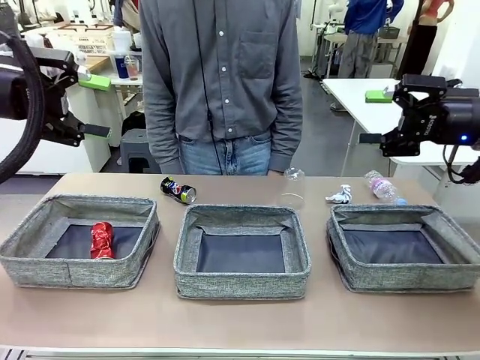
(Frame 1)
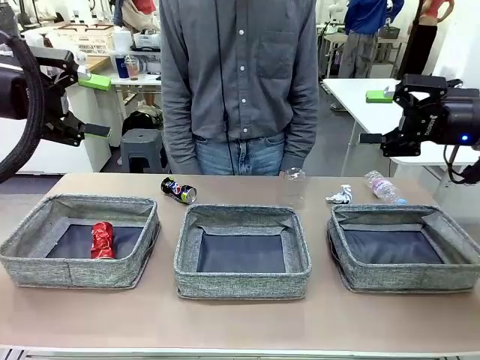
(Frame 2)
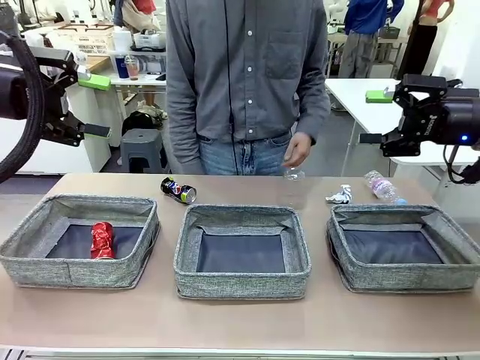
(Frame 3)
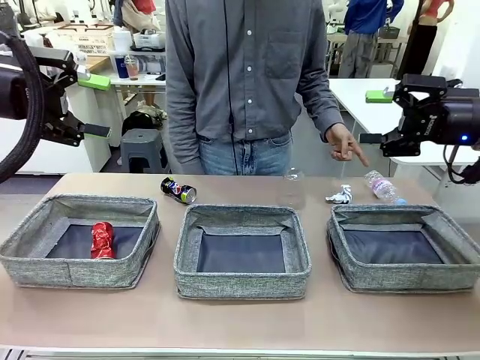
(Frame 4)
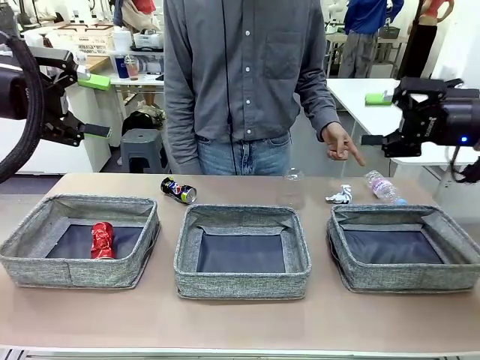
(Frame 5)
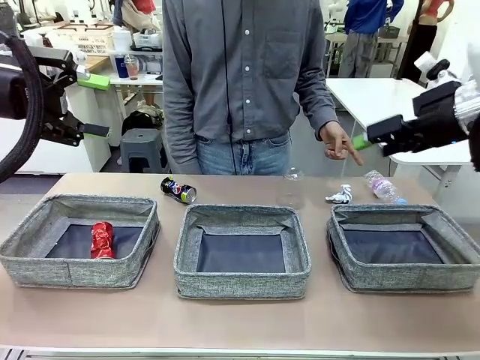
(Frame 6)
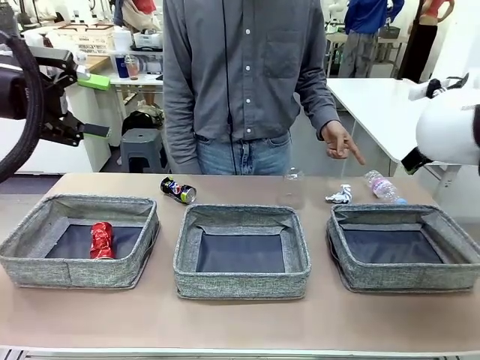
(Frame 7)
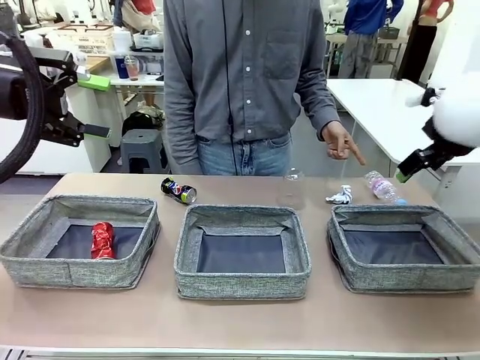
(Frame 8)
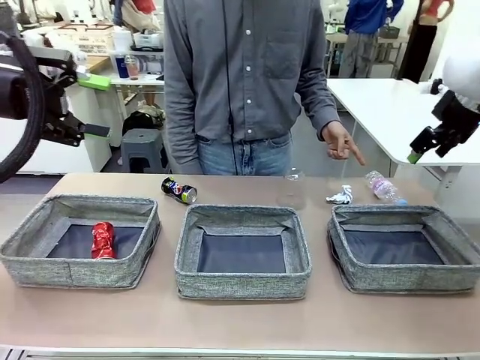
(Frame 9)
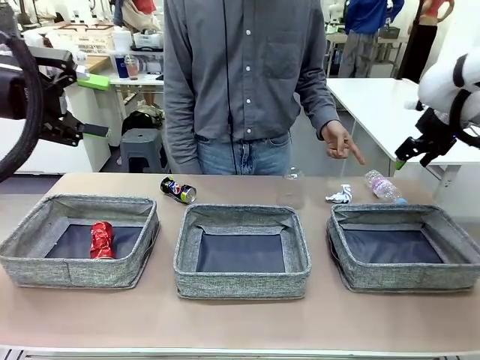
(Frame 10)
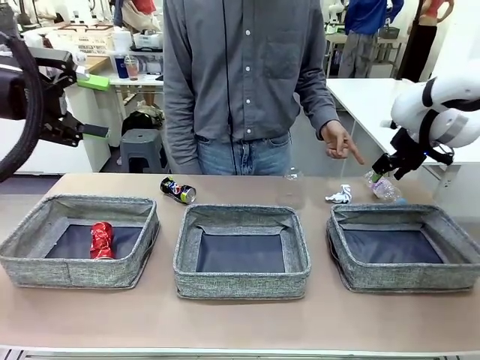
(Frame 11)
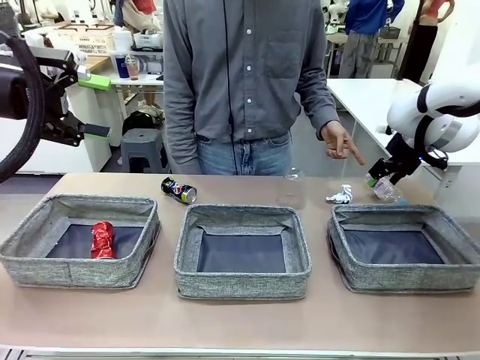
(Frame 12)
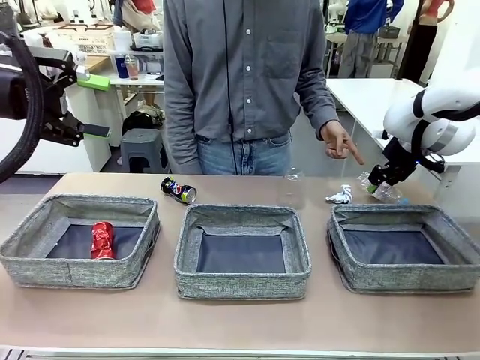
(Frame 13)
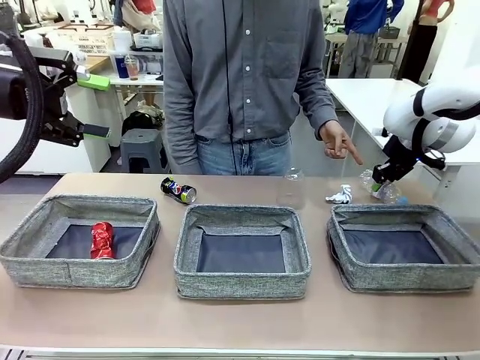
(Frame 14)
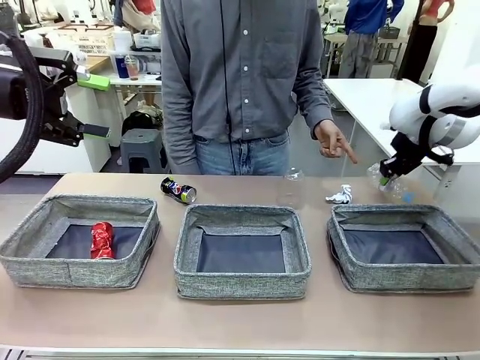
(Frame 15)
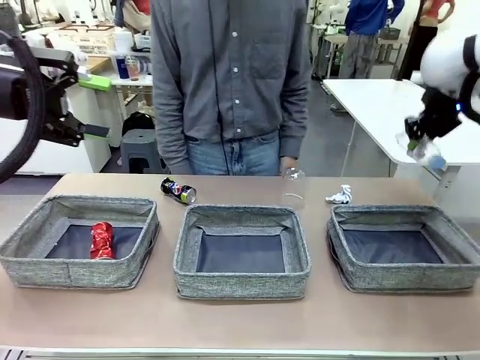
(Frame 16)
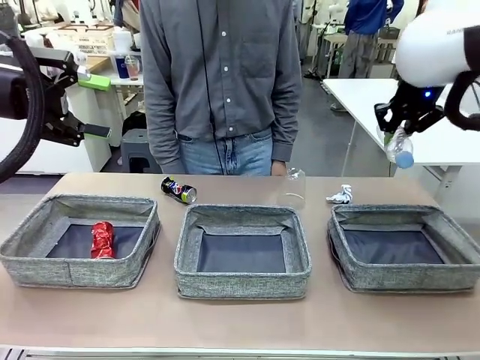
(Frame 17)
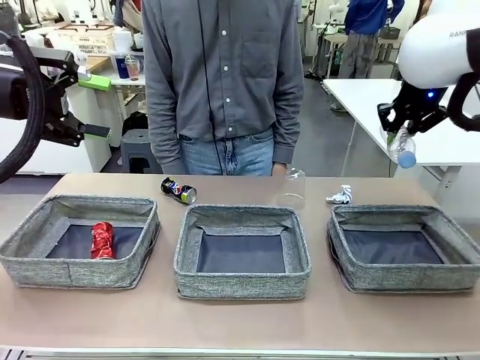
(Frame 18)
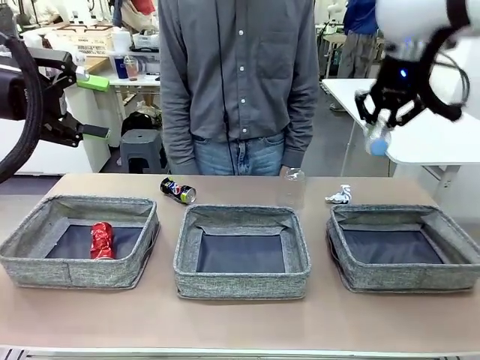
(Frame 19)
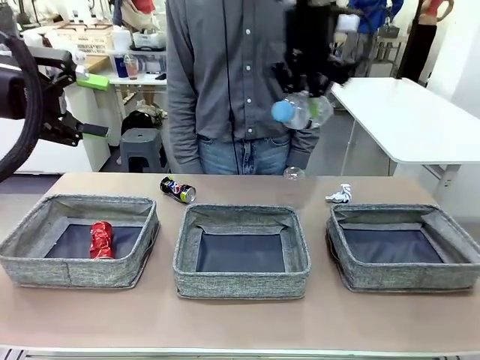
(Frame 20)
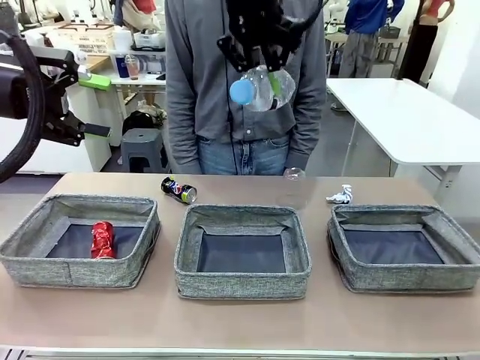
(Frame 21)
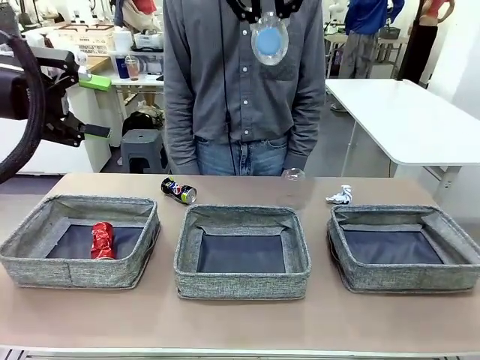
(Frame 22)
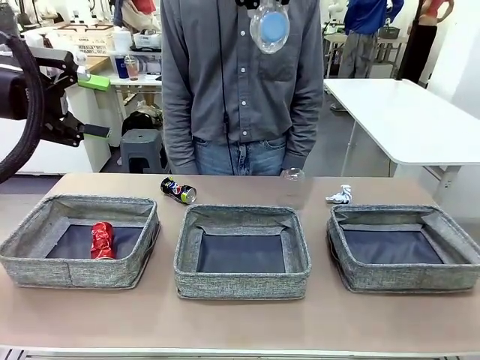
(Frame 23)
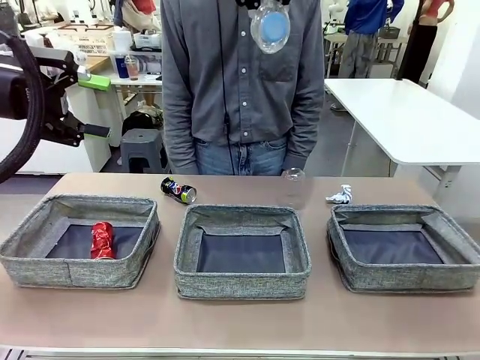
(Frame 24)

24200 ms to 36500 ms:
Task: Sort the waste into the appropriate baskets.
Robot: Pick up the waste item pointed out by the person.
Person: Points to one piece of trash on the table.

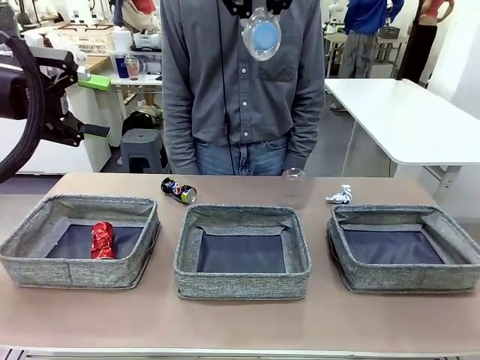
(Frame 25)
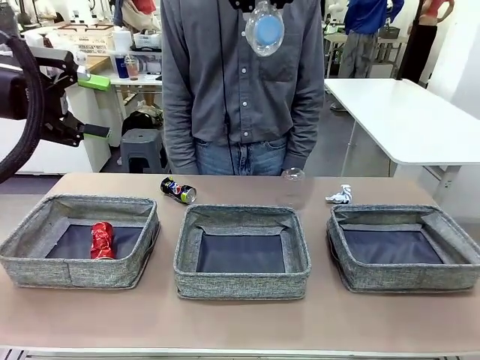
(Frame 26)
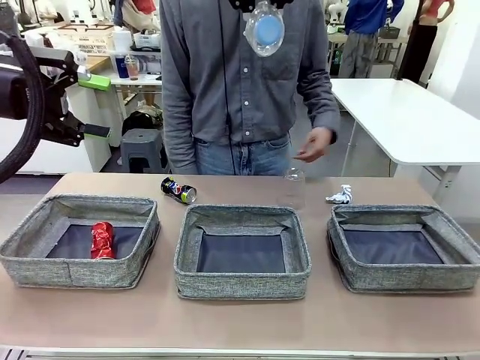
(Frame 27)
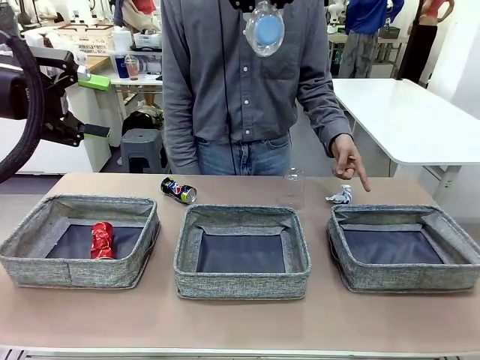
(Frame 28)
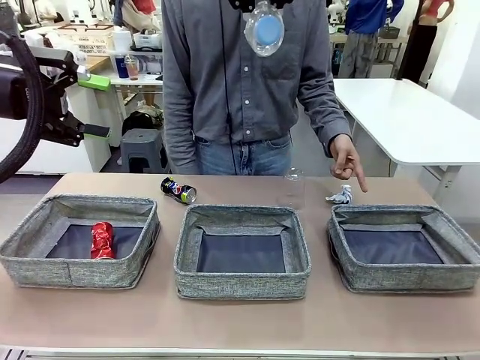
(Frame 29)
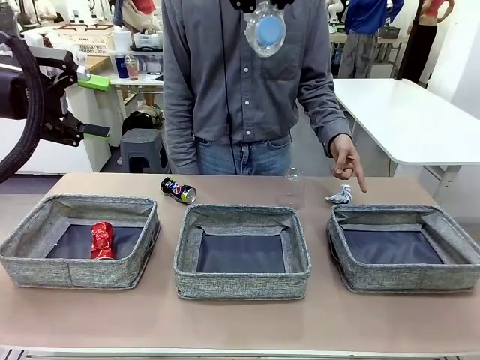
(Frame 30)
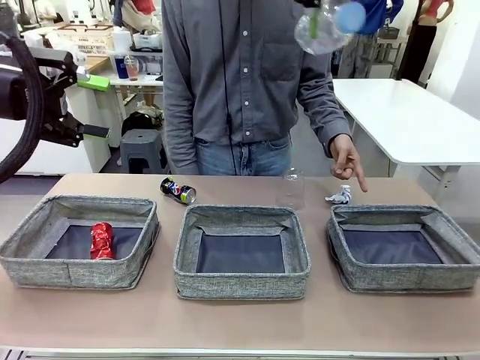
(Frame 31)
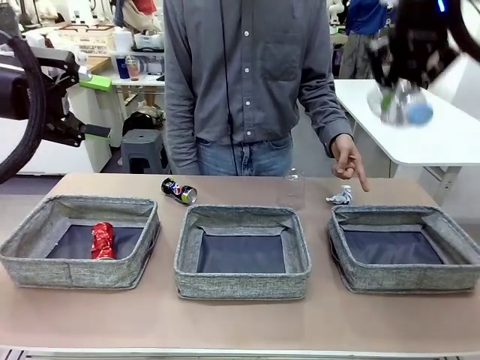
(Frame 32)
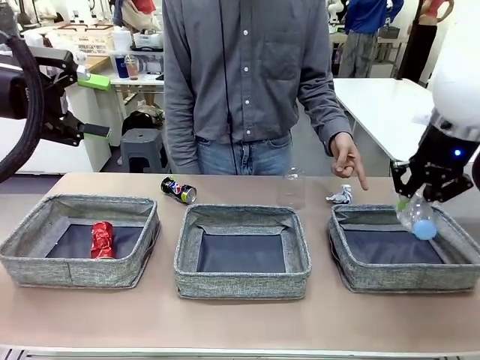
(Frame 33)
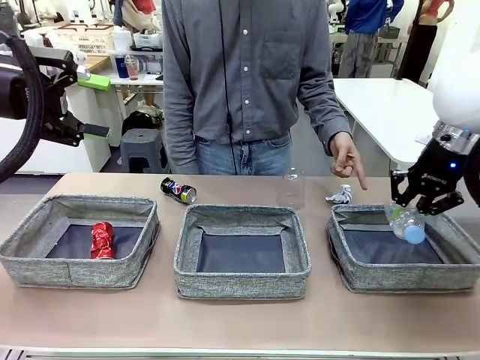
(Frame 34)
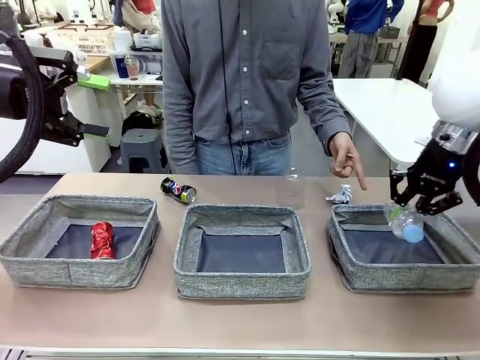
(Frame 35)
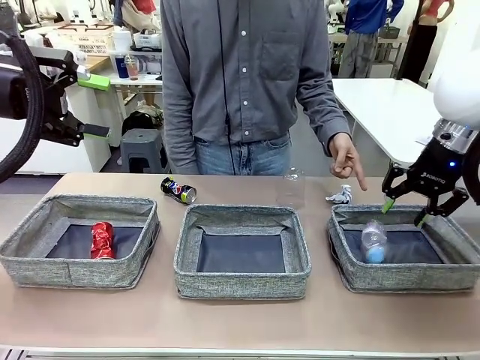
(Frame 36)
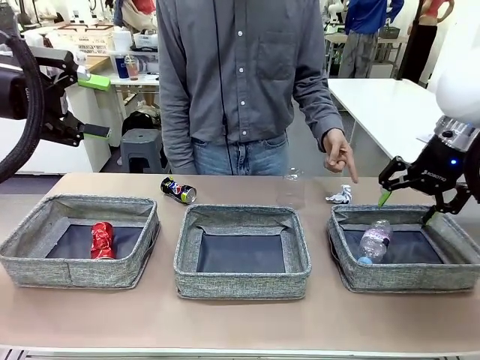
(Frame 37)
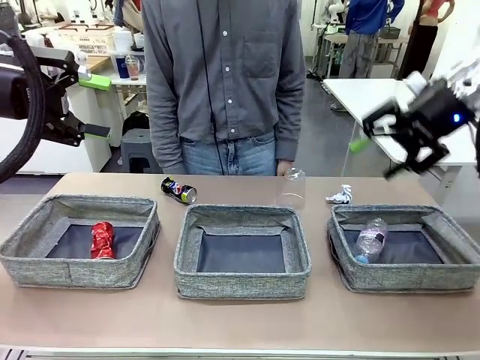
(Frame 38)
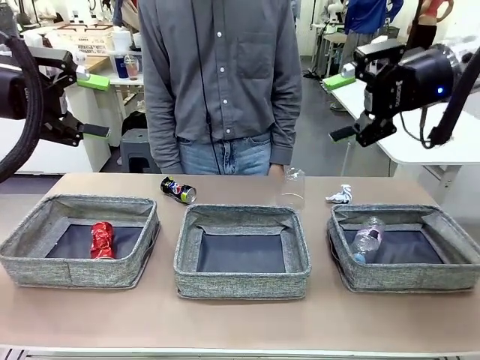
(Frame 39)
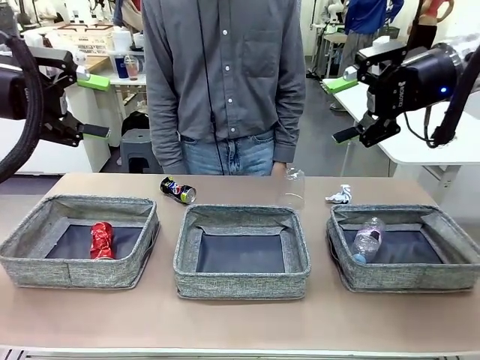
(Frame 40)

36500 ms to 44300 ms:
Robot: Place the picked waste into the Fabric basket indicated by the person.
Person: Instructs the robot to place the picked-up trash into the appropriate organizing basket.

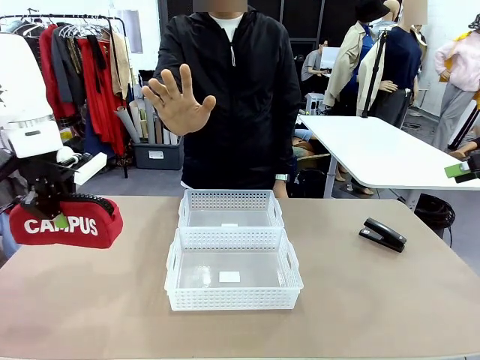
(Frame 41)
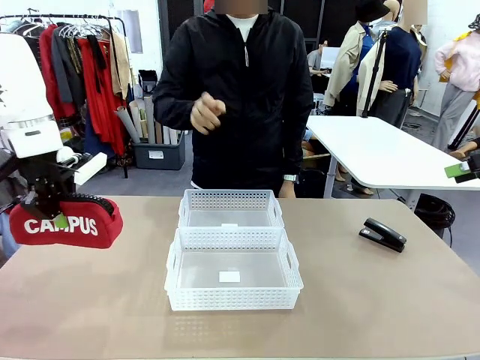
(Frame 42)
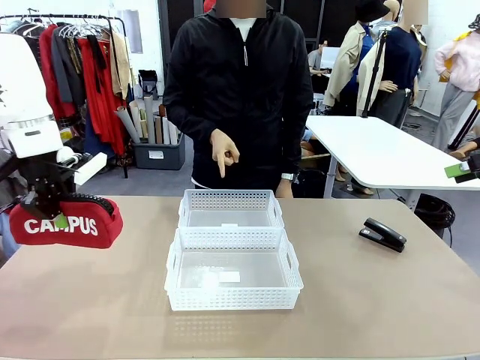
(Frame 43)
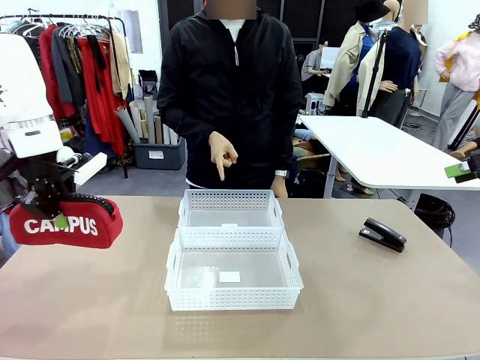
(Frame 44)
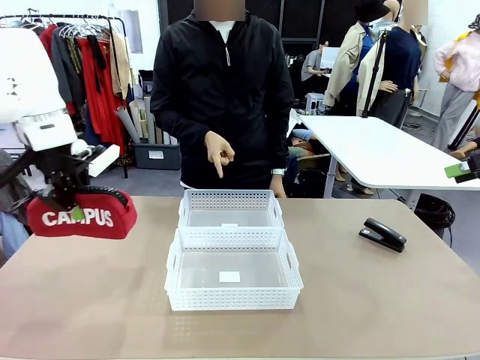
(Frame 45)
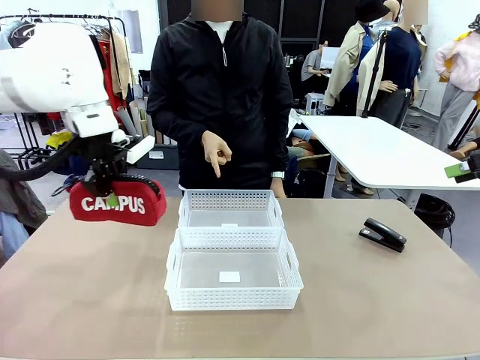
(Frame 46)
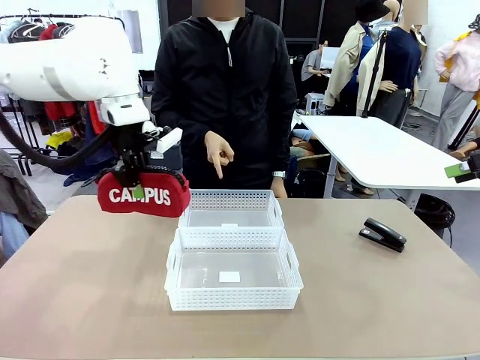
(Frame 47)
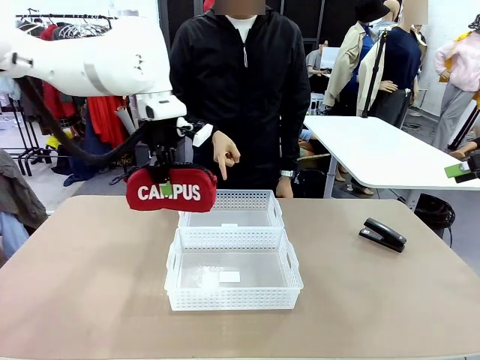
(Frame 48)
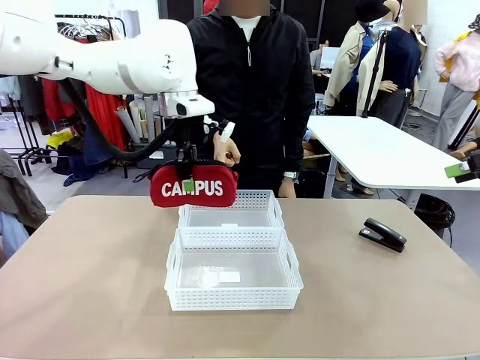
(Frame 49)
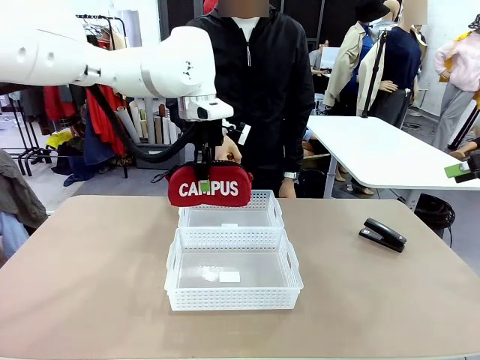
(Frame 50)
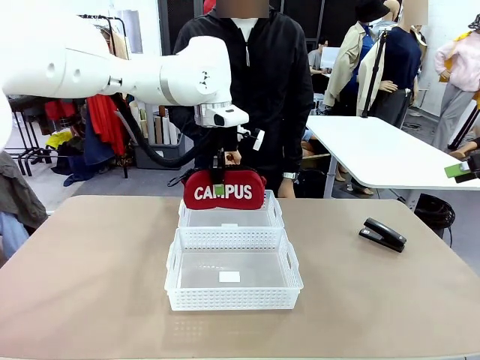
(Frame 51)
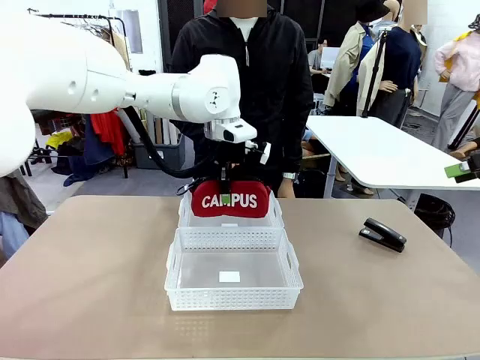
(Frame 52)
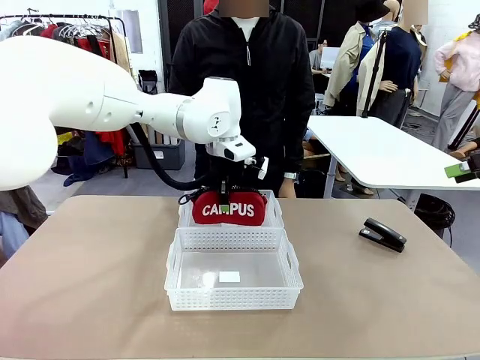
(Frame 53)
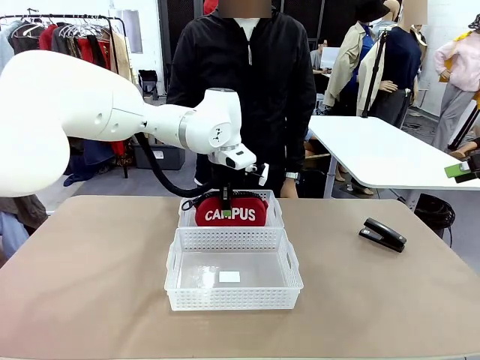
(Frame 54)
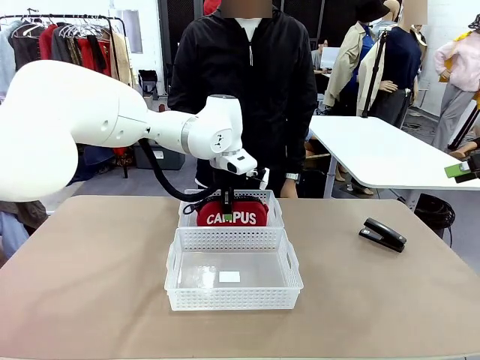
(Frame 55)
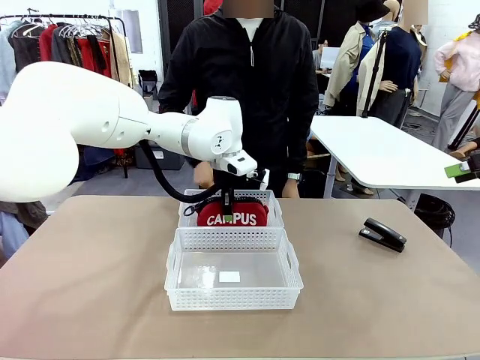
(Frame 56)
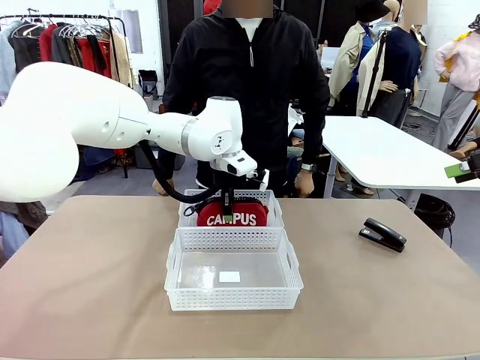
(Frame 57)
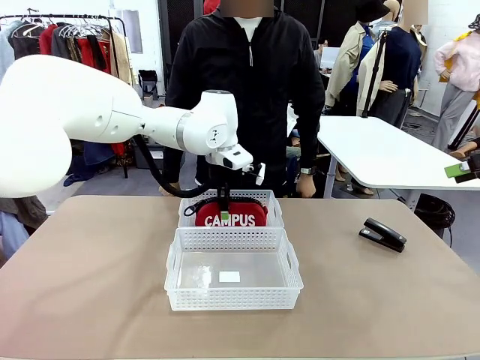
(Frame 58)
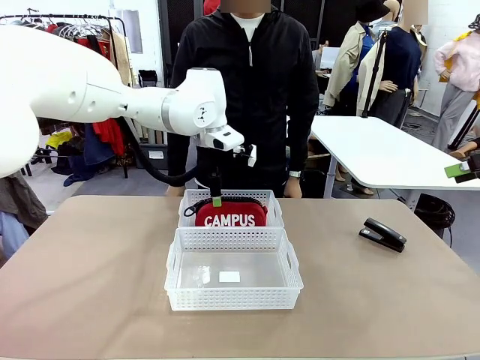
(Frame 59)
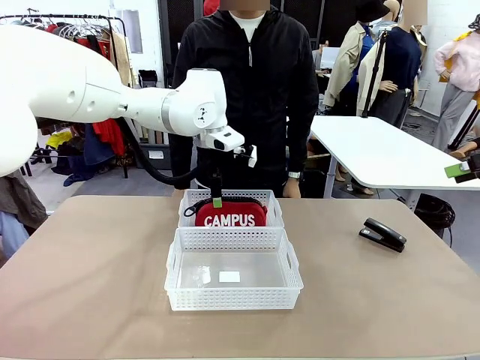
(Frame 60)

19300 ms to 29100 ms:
Task: Distribute items into two baskets.
Robot: Place the picked Pencil pouch into the Organizing basket as instructed by the person.
Person: Instructs the robot to place the pencil case into the opposite basket. Points to the stapler.
